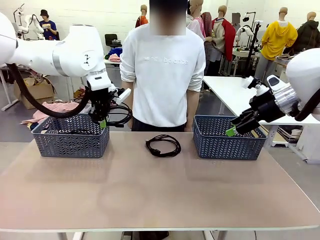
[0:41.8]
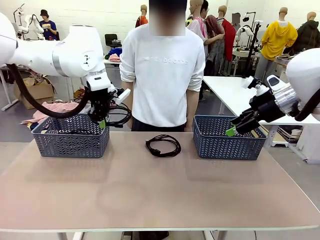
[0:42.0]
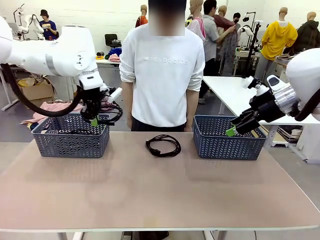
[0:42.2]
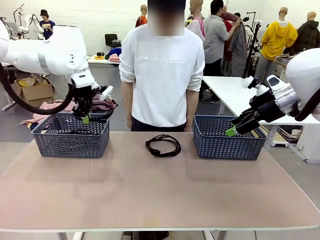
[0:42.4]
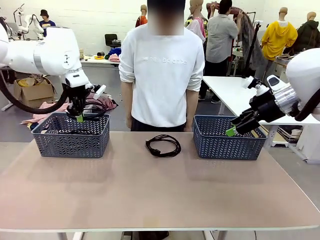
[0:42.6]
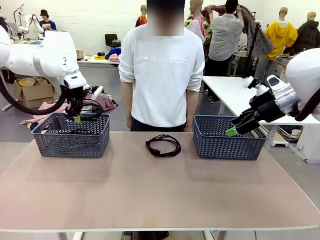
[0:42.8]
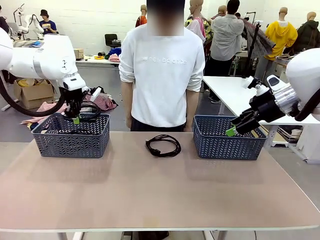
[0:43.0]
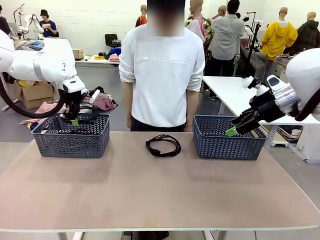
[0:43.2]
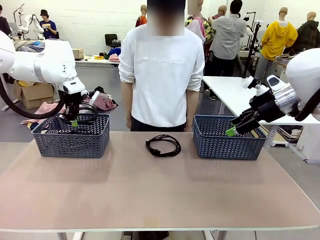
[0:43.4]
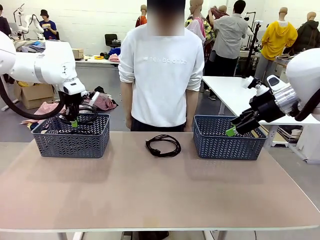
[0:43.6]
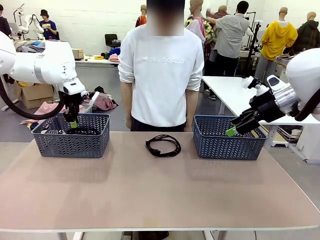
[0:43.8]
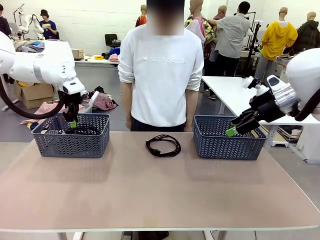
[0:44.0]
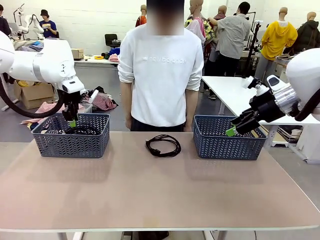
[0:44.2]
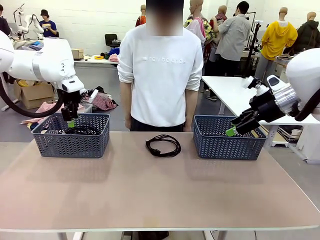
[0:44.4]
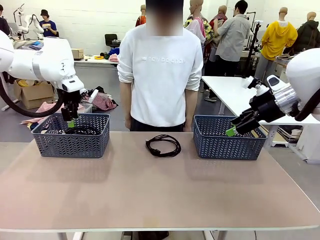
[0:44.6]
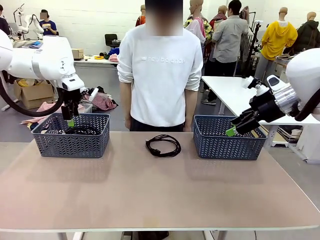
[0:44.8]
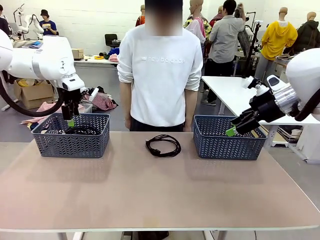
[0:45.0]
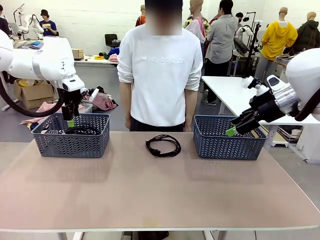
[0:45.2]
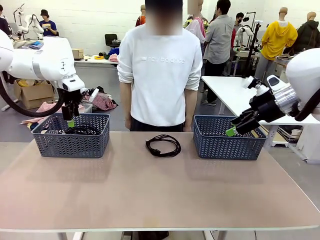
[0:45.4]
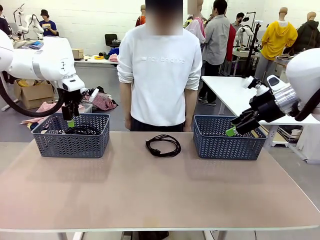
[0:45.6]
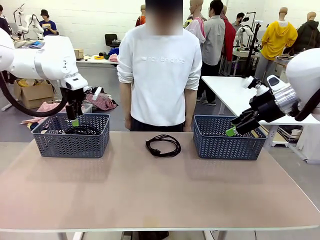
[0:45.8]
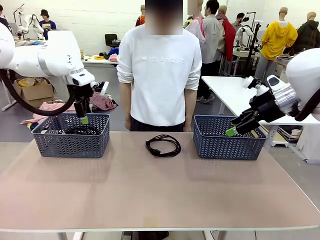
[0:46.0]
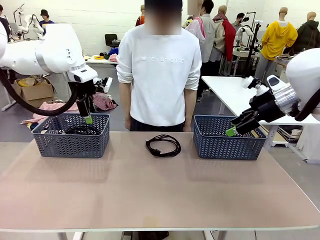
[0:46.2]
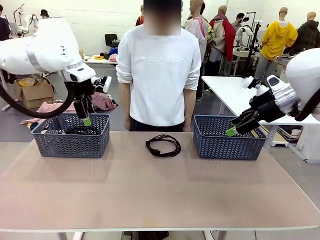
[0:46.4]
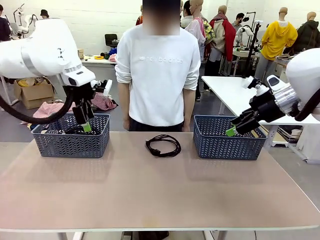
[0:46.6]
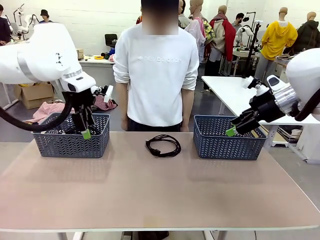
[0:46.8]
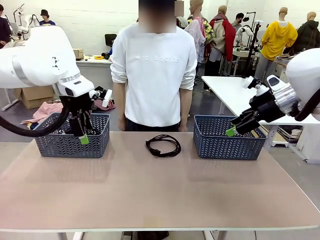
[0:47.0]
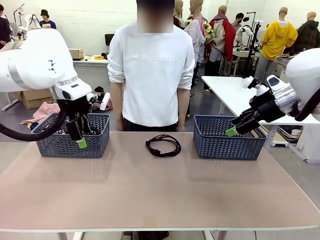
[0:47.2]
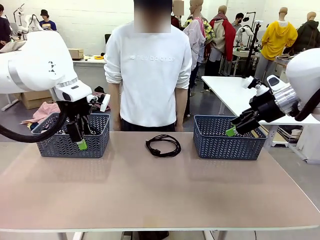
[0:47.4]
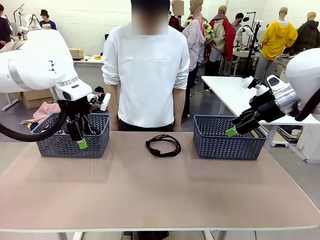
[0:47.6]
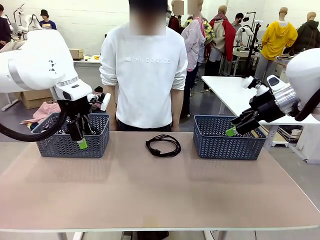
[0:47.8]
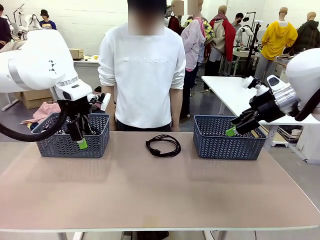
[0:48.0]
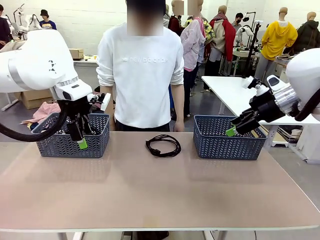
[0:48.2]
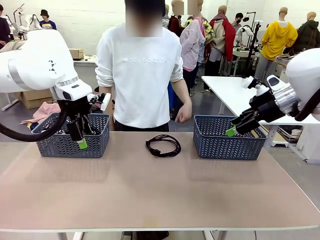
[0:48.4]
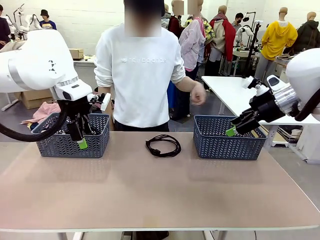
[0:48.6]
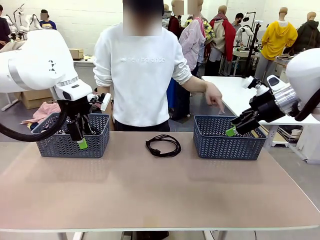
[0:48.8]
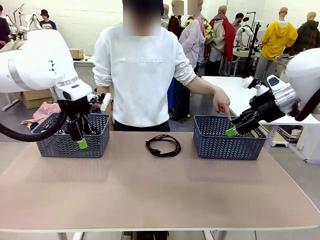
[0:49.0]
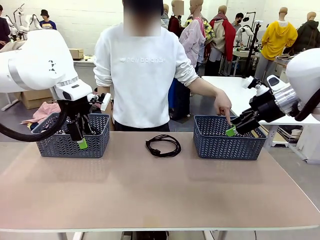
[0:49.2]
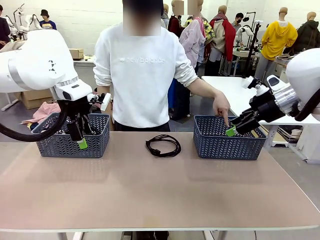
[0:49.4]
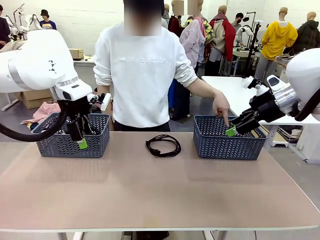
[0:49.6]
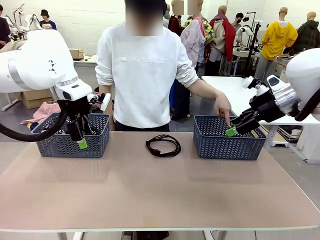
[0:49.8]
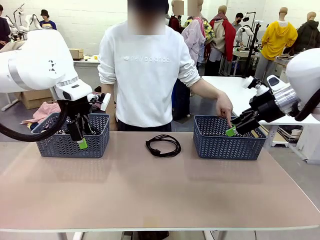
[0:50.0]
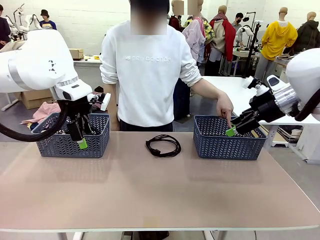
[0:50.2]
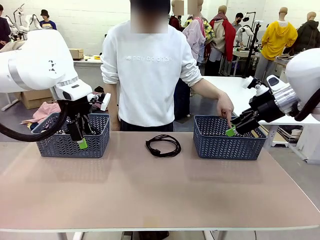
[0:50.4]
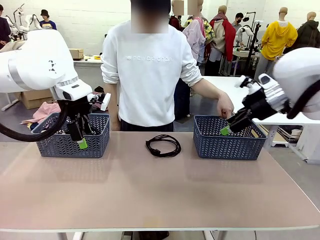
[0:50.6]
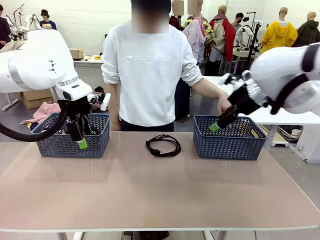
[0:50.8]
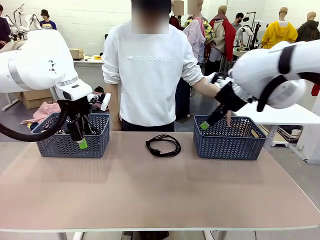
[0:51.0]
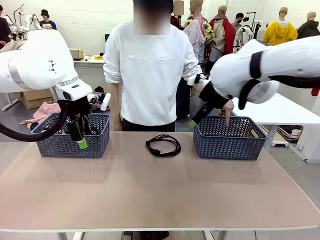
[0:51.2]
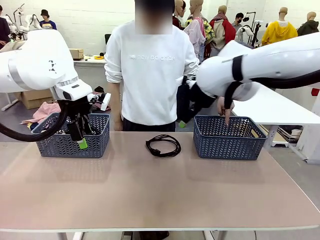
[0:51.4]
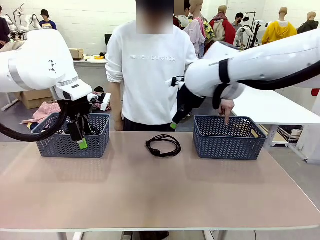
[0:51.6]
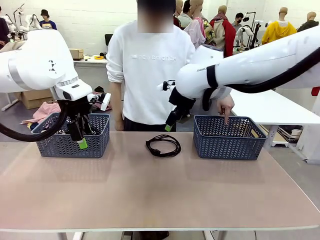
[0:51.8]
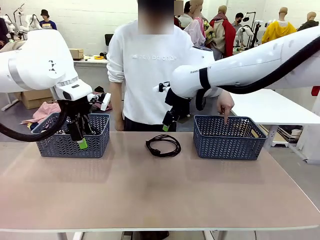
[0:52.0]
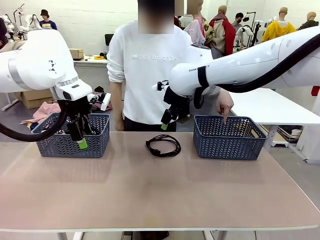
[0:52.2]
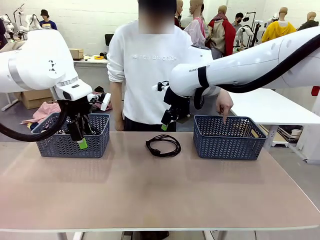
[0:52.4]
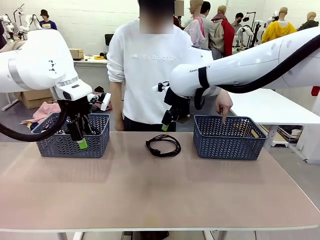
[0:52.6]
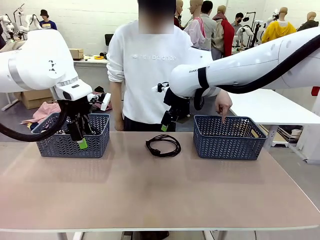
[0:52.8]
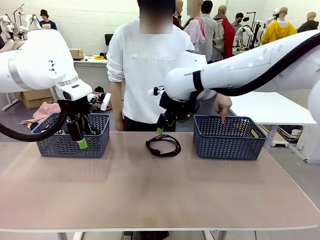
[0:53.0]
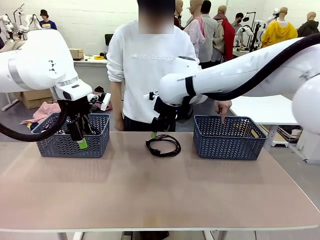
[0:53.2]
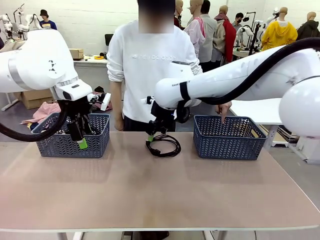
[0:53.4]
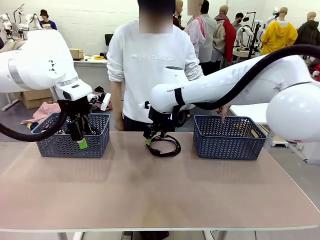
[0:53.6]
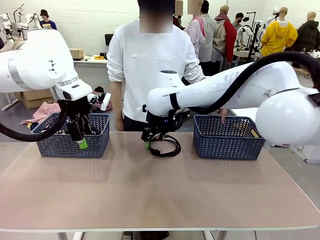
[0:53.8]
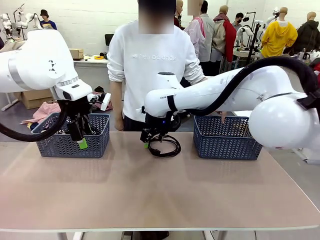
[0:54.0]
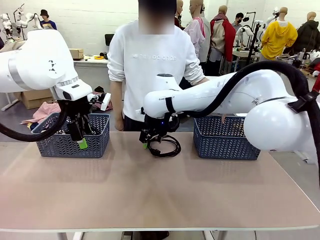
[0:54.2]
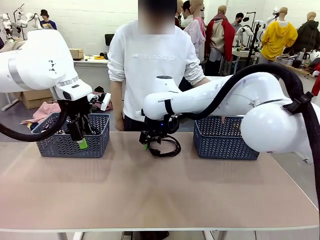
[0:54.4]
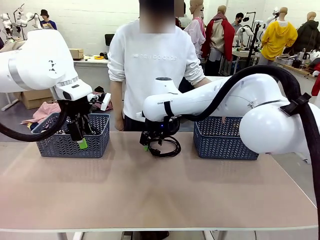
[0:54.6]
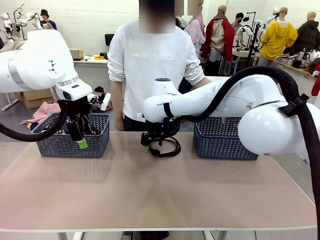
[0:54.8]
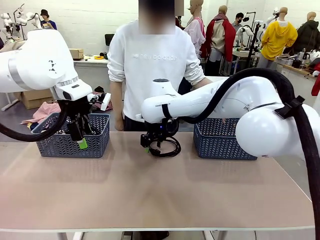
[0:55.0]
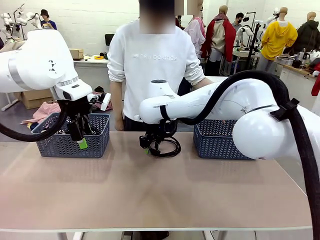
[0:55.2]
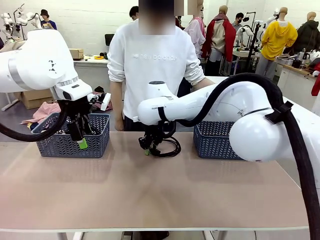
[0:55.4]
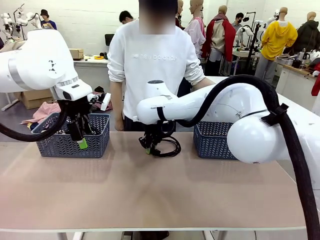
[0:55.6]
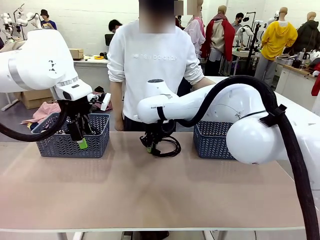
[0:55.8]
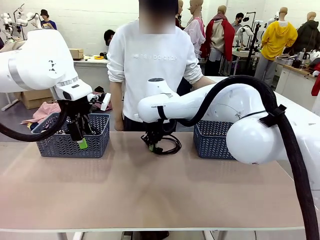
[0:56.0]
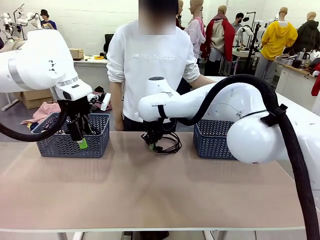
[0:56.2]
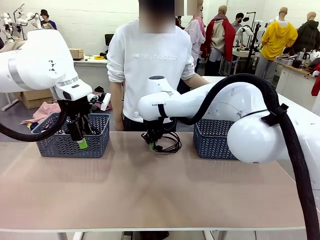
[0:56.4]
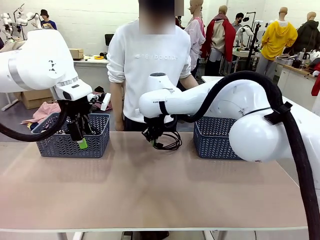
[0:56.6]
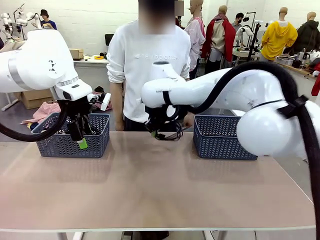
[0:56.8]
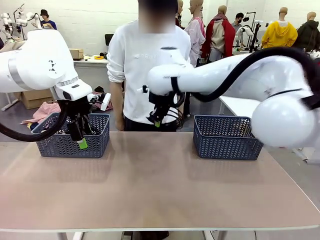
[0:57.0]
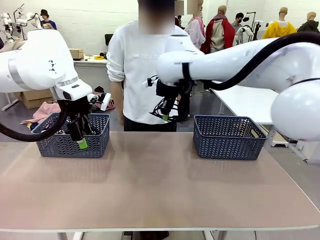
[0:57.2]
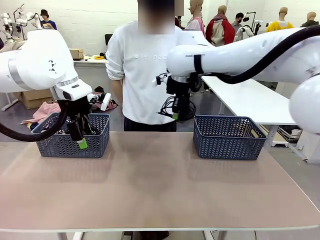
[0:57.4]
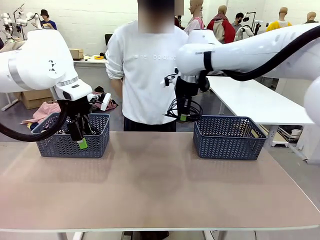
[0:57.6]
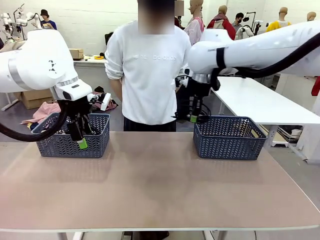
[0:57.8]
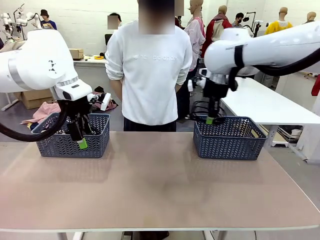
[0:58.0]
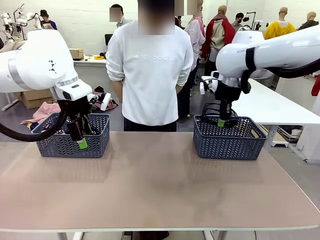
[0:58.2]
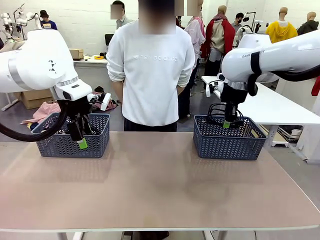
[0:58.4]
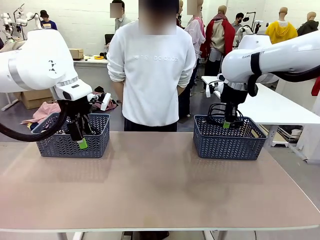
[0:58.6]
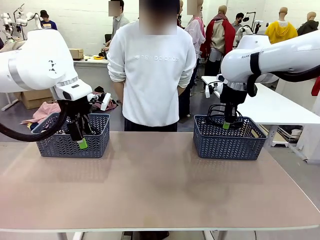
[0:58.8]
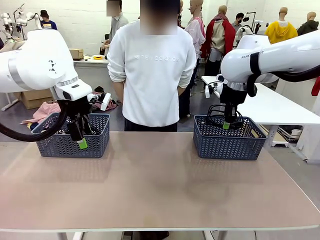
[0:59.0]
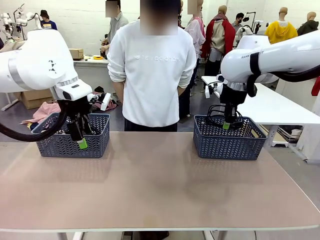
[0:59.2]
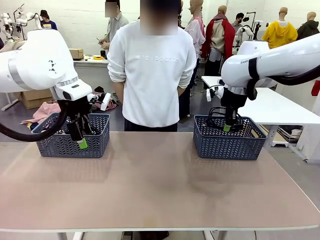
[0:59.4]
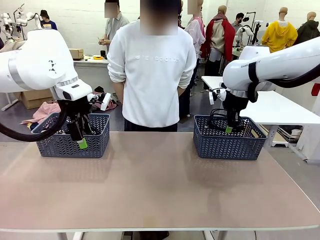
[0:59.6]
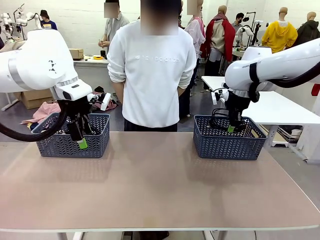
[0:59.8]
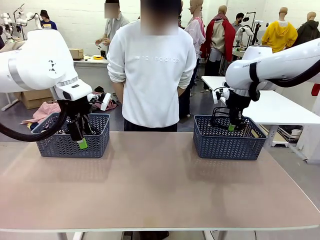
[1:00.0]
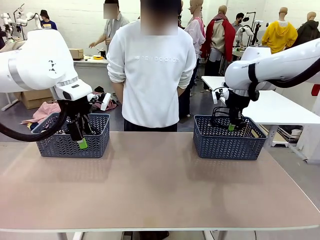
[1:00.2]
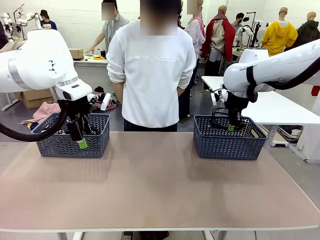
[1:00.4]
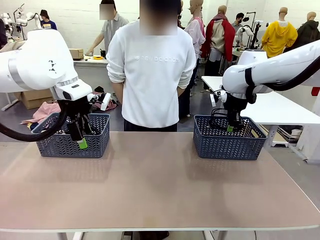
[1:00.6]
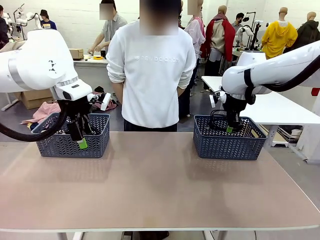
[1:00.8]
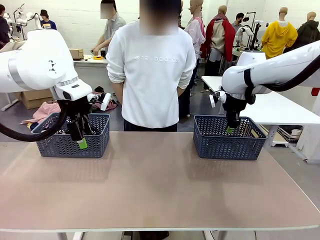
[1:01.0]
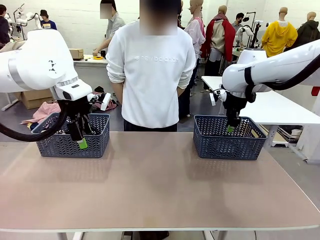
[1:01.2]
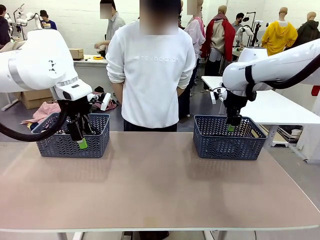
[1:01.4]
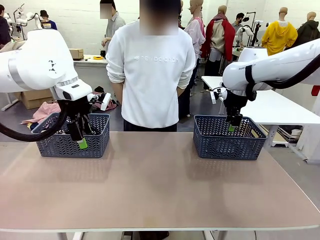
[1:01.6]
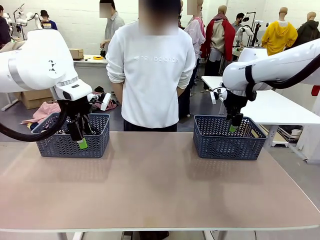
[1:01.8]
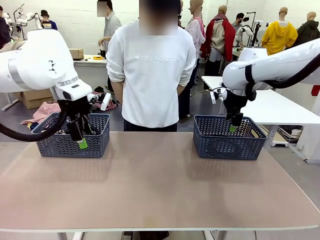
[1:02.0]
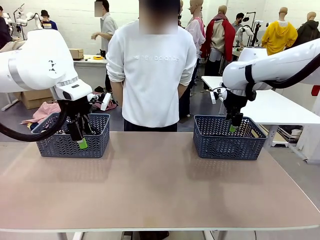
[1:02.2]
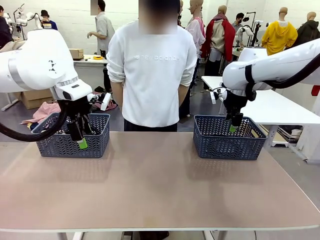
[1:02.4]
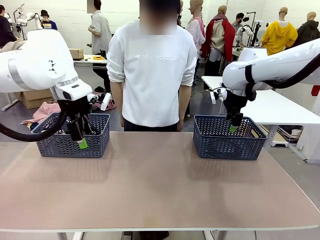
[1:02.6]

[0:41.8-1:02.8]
Task: Organize the cables according to human instructions.
Robot: Pick up a bundle of cables and place it in the basket indicated by the human.
